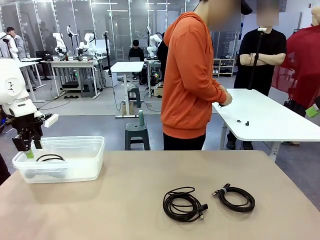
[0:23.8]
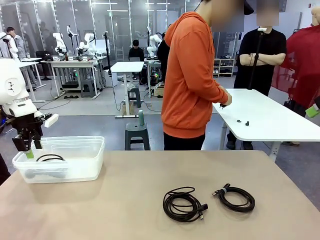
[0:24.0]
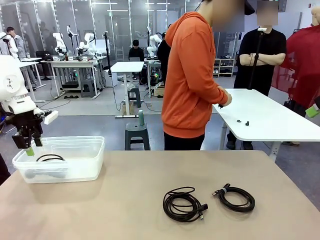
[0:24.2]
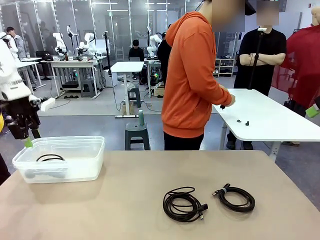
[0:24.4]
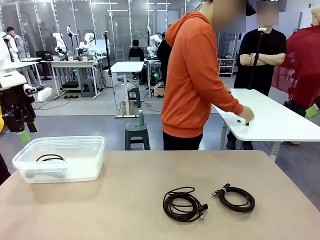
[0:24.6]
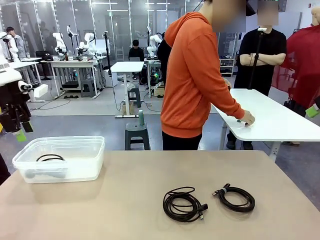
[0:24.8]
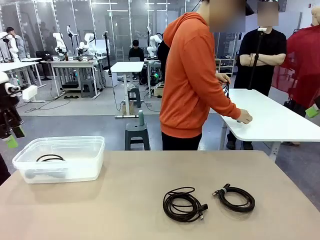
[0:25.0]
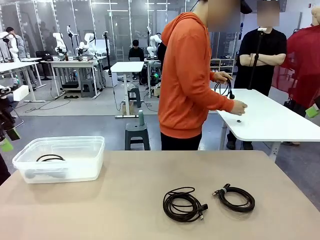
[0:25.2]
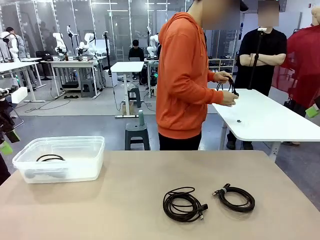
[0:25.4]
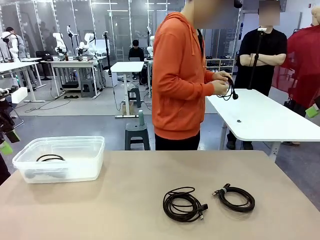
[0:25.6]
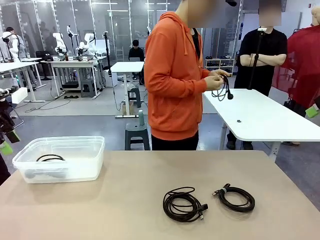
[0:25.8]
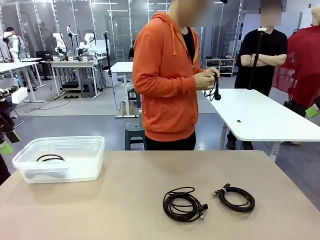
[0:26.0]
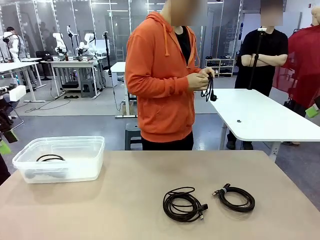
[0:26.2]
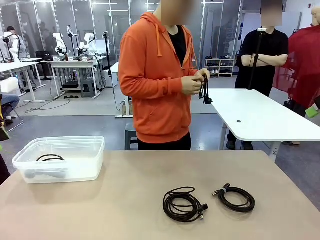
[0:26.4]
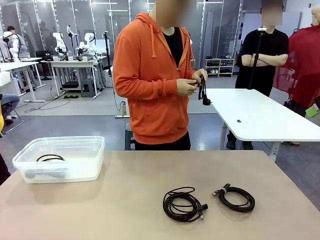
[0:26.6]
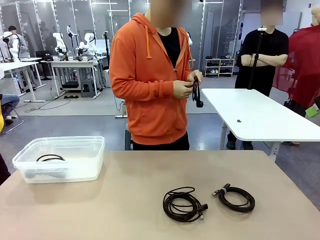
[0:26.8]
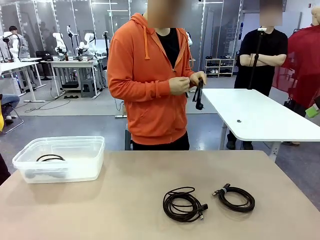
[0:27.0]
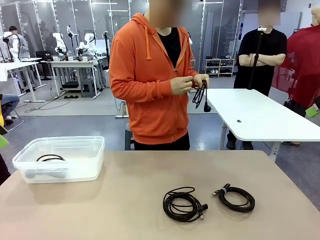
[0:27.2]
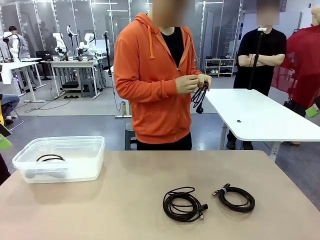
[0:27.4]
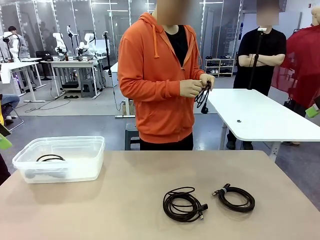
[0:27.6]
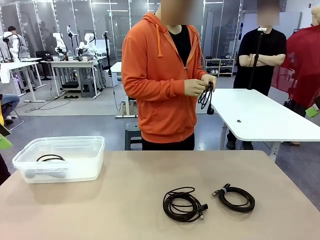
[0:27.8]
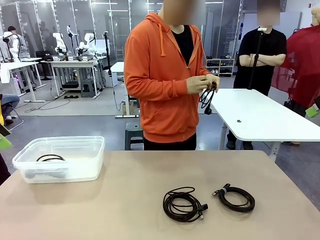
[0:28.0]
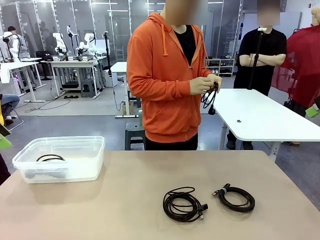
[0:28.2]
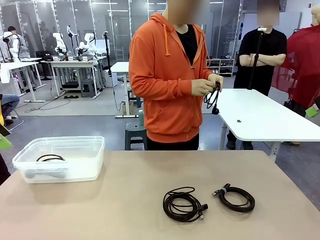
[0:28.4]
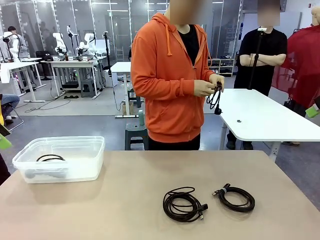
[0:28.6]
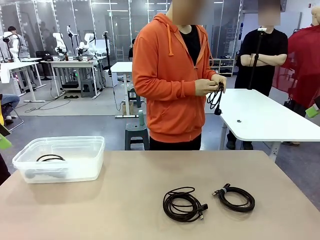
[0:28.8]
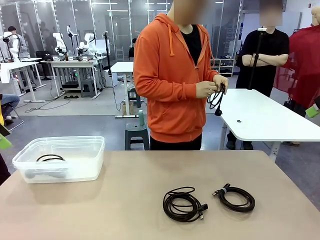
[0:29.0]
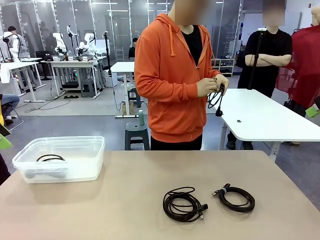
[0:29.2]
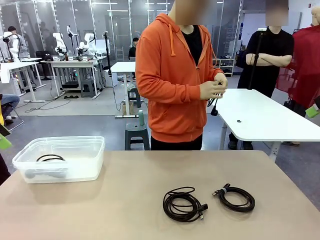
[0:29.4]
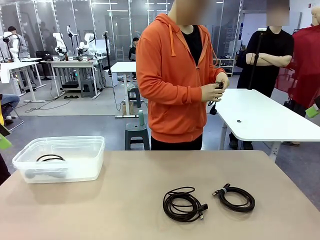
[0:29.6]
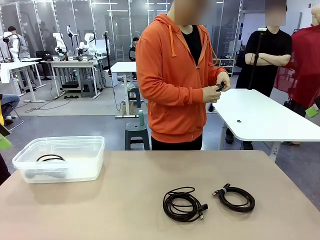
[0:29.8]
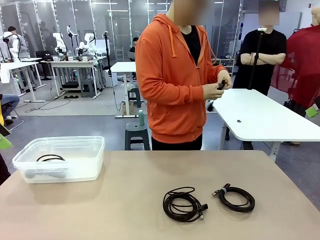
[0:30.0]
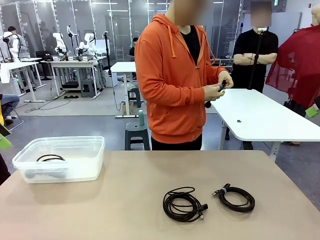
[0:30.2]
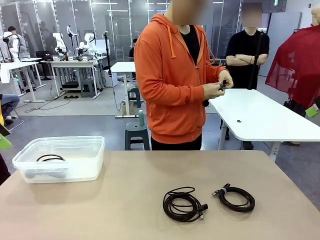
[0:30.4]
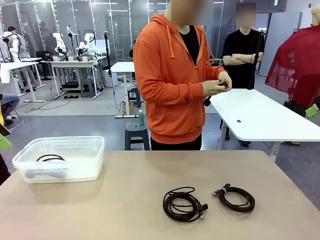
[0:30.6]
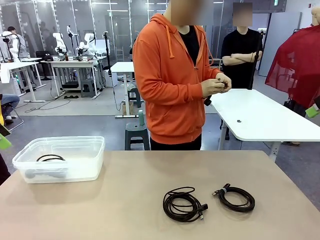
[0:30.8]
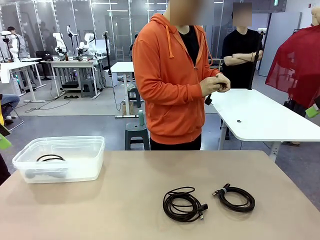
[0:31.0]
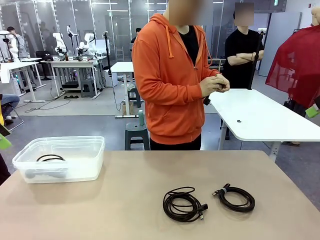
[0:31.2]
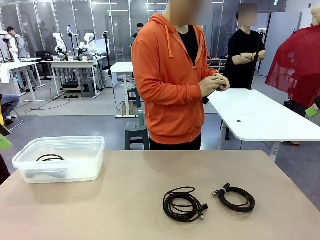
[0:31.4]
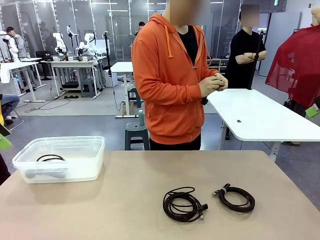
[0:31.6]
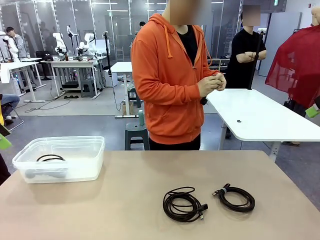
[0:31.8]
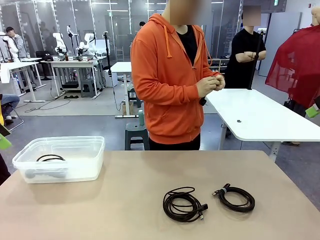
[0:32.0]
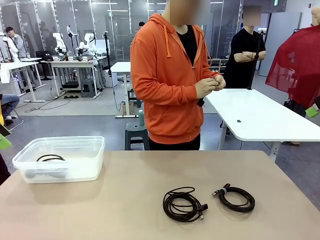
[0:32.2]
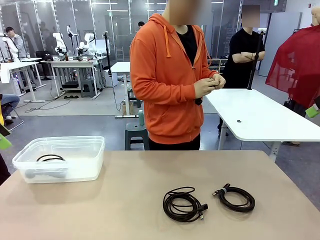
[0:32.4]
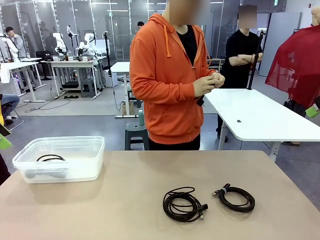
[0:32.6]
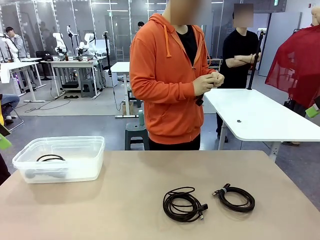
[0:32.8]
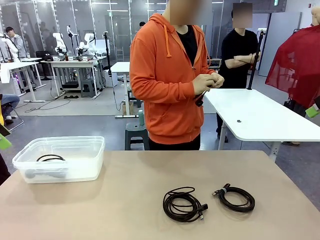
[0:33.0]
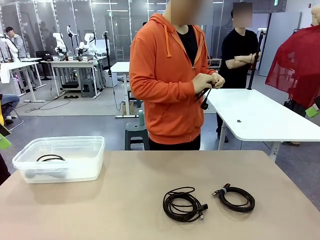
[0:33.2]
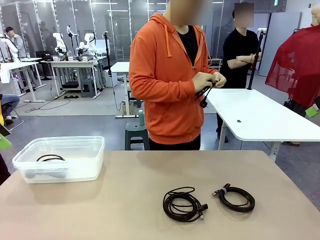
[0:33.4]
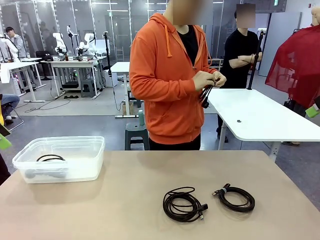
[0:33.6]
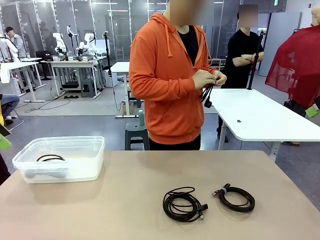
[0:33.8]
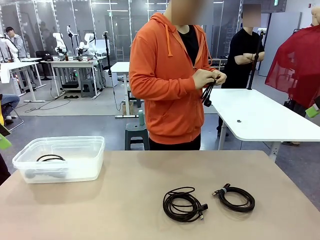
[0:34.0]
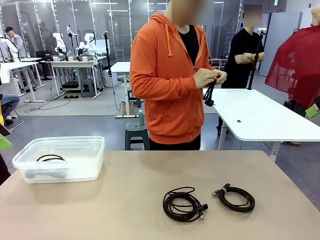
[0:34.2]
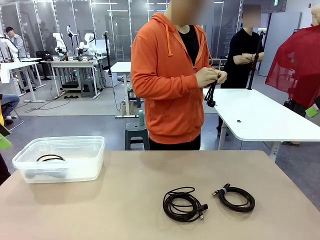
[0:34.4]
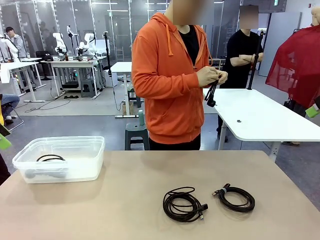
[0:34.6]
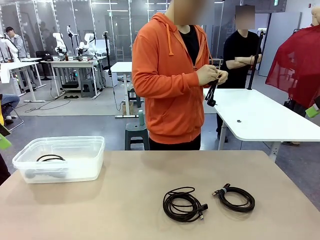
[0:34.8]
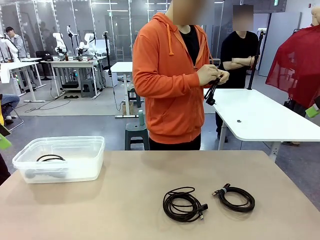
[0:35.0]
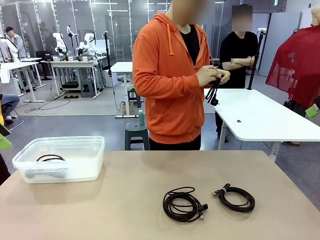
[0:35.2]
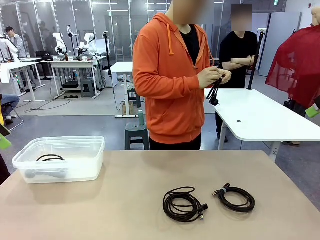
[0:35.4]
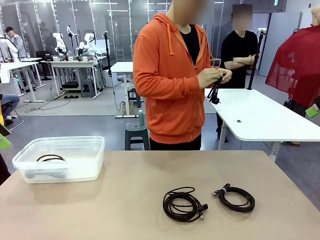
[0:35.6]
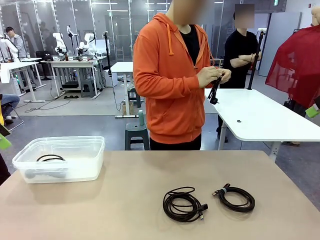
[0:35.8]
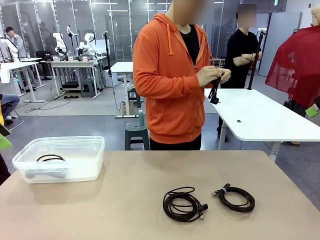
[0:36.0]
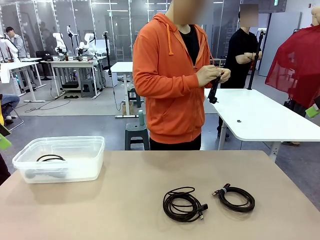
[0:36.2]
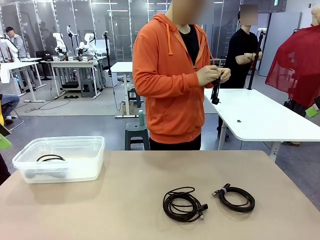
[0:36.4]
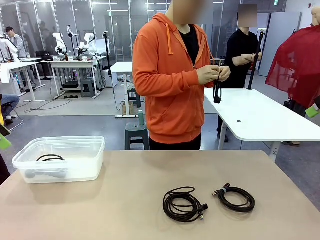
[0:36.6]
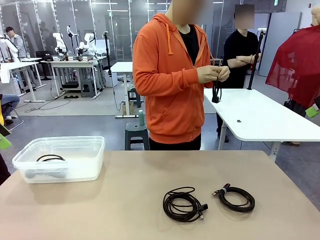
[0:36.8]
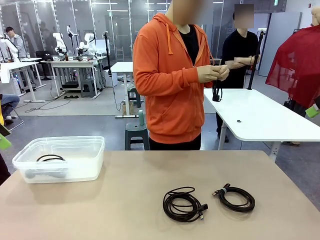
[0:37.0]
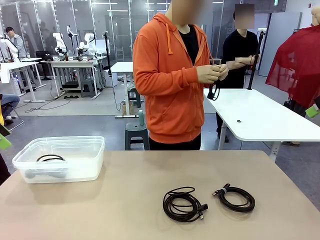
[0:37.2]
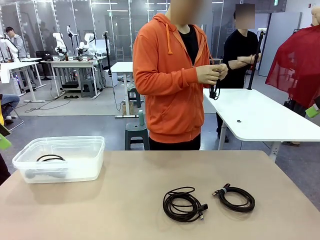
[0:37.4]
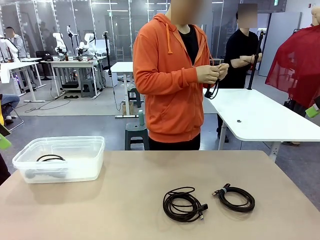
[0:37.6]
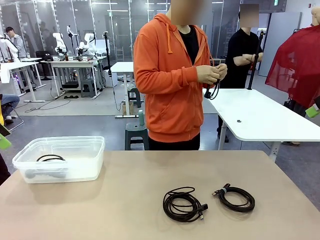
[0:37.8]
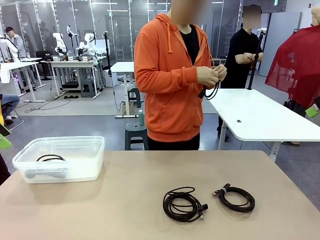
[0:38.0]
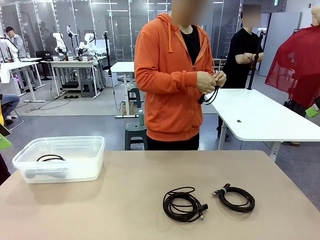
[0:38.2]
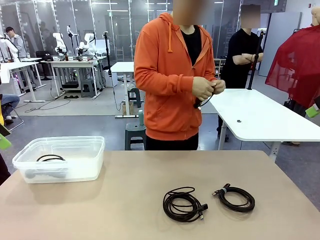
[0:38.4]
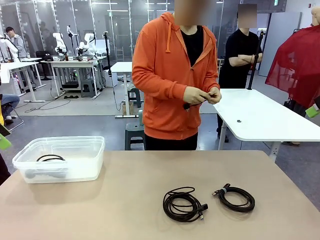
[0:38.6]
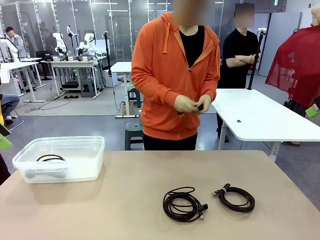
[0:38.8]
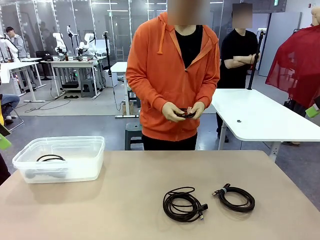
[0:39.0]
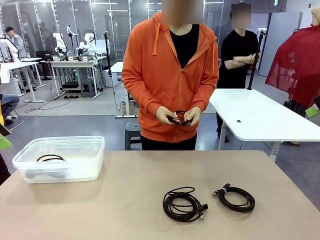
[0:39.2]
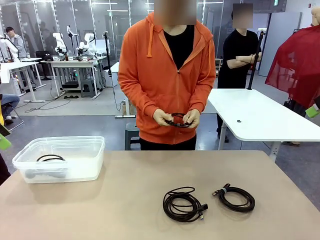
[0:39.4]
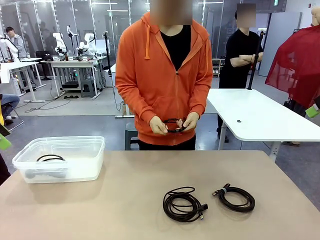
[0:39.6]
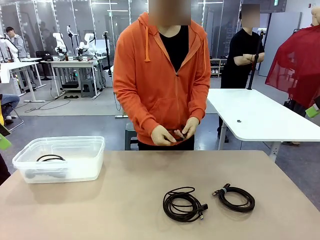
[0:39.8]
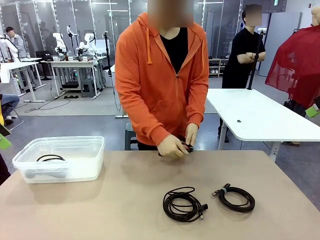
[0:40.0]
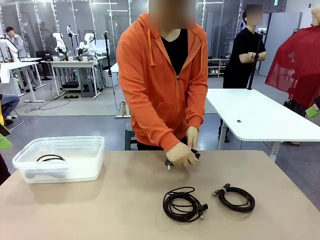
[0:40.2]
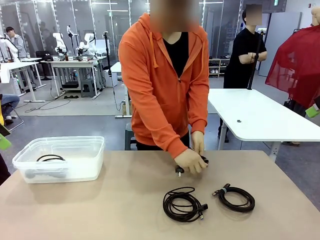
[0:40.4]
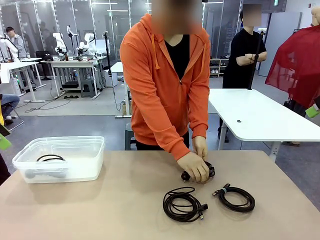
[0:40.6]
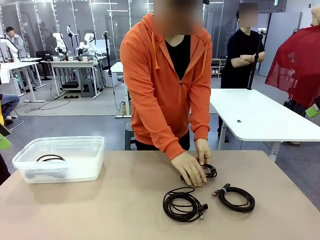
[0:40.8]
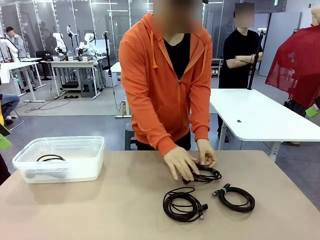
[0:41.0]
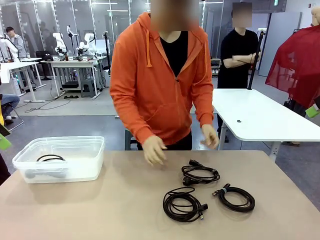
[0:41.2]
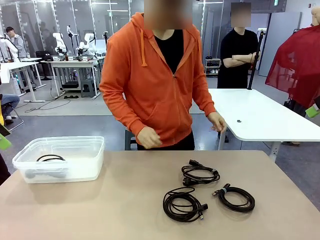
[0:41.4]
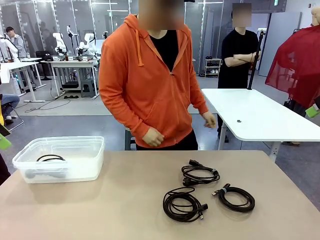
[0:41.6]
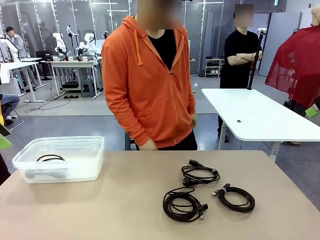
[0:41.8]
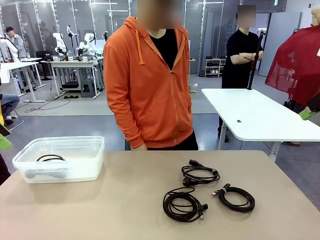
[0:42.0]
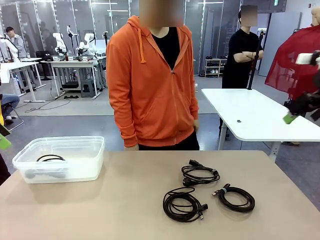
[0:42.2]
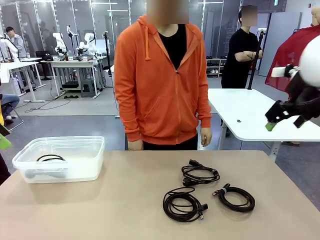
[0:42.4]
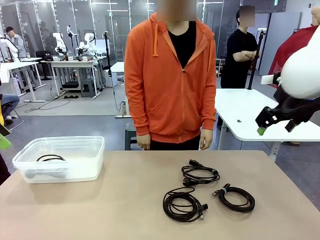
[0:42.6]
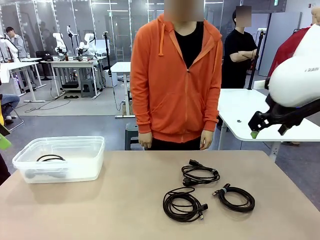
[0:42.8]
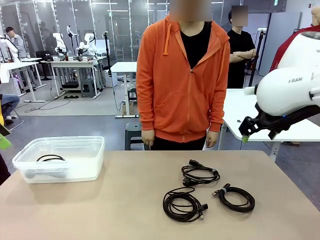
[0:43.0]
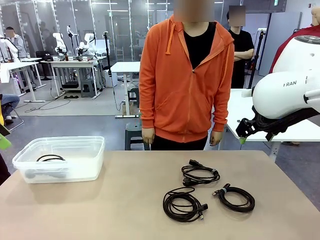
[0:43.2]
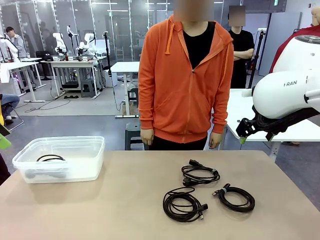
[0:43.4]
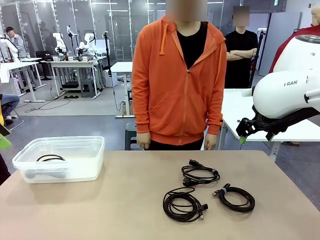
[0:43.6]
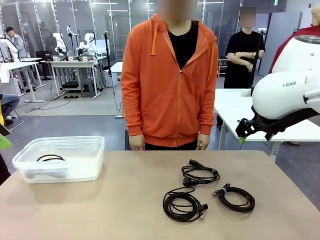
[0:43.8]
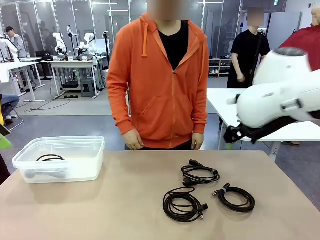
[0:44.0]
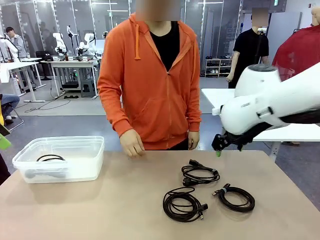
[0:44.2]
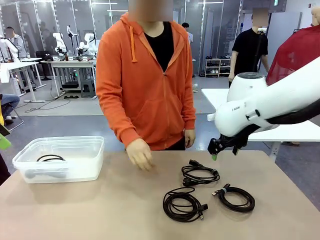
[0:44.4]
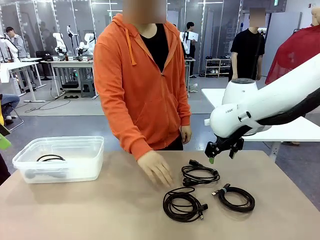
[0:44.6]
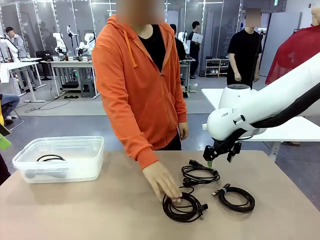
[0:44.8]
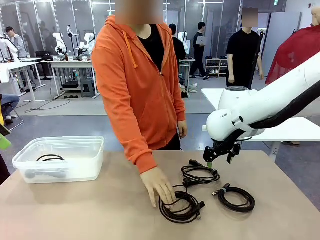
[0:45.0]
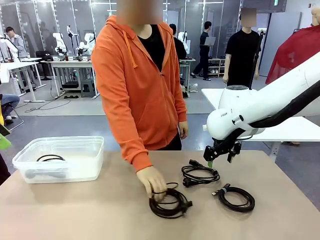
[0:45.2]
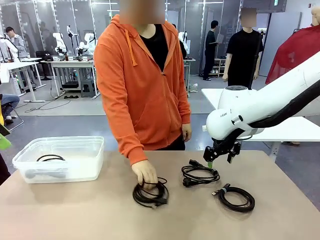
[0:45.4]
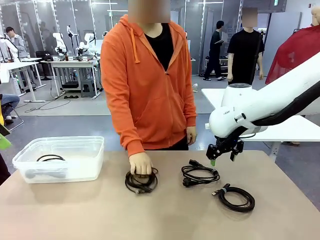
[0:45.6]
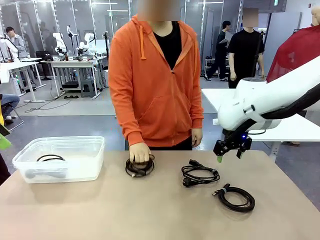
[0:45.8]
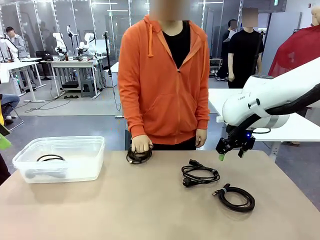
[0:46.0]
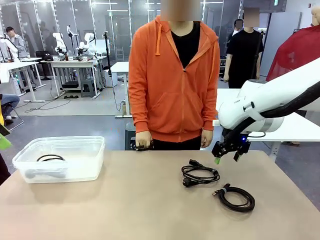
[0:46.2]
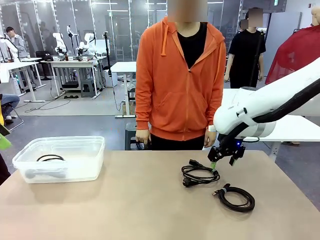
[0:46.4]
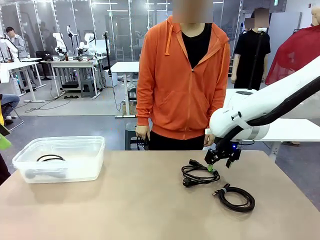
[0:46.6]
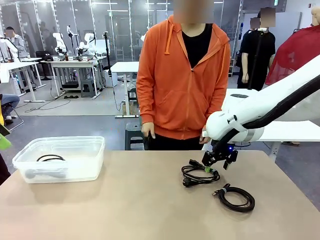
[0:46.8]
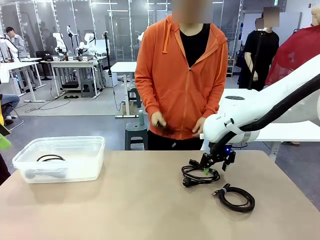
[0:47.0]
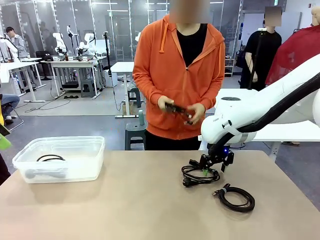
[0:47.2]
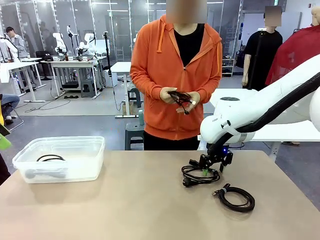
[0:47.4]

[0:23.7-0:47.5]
Task: Organize and store the cables.
Robot: Place the Power Cable into the Organizing box.
